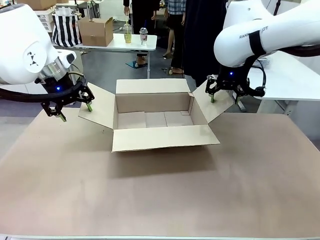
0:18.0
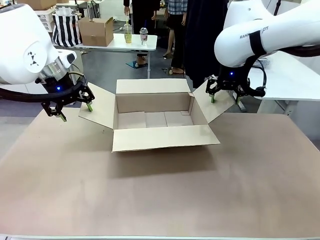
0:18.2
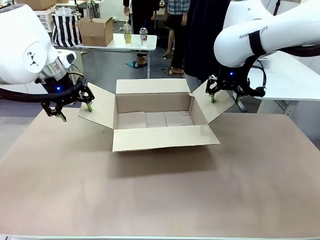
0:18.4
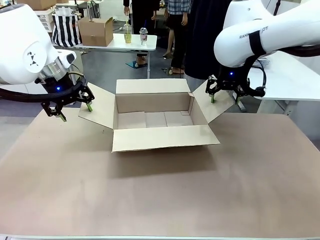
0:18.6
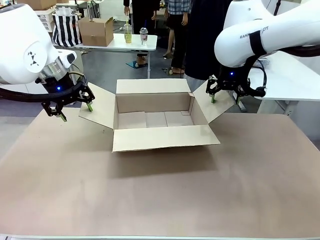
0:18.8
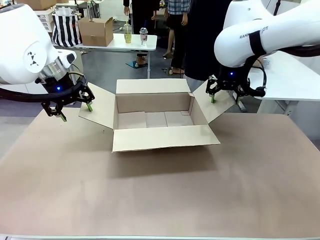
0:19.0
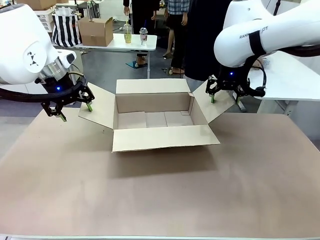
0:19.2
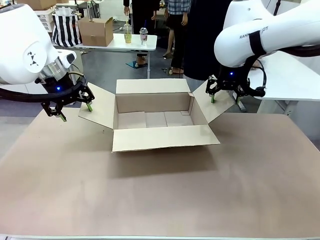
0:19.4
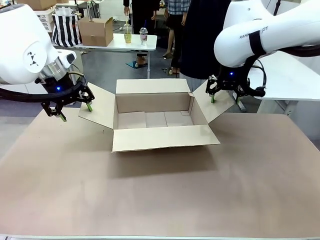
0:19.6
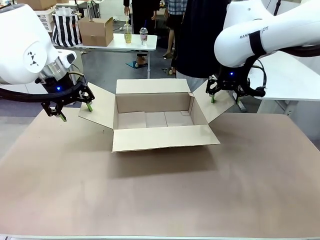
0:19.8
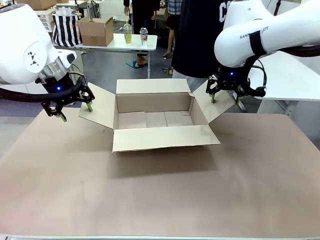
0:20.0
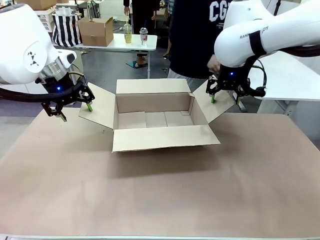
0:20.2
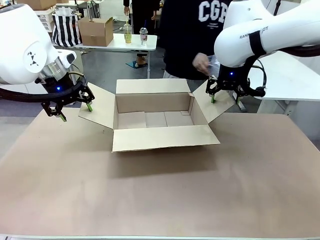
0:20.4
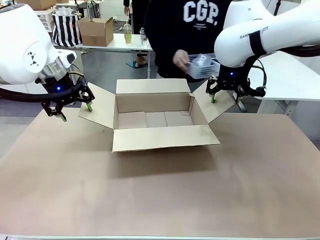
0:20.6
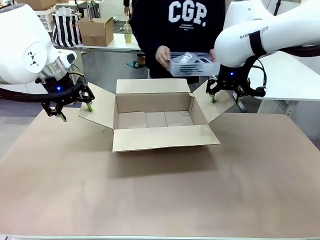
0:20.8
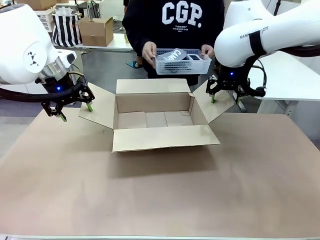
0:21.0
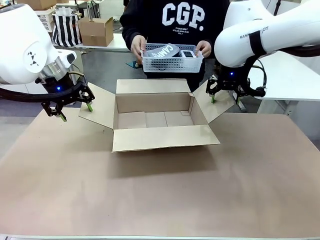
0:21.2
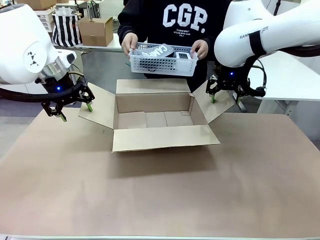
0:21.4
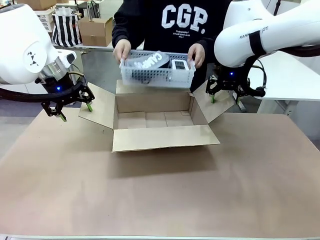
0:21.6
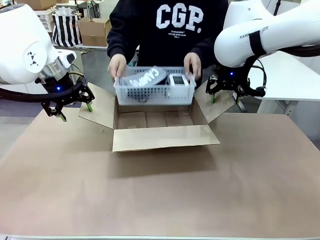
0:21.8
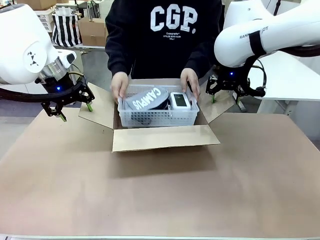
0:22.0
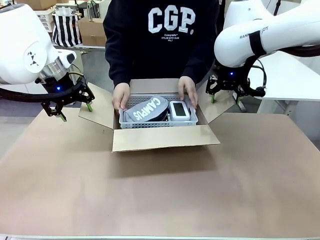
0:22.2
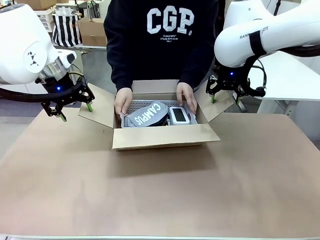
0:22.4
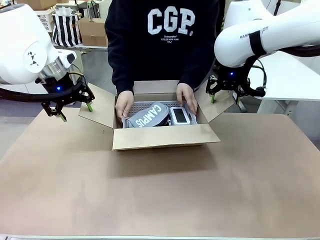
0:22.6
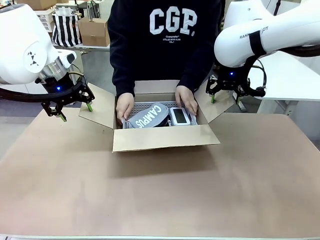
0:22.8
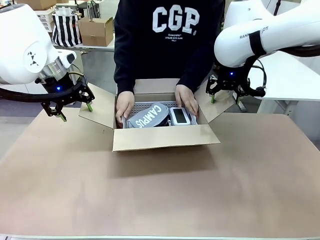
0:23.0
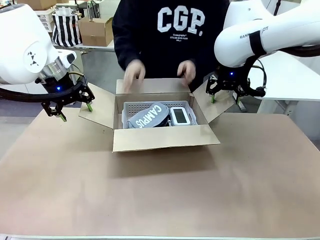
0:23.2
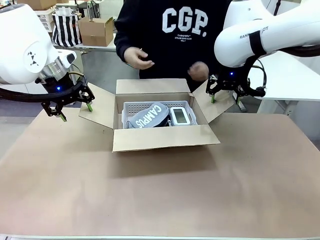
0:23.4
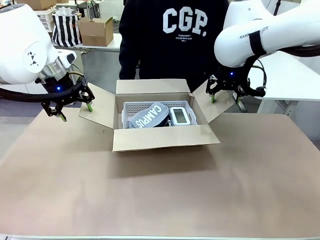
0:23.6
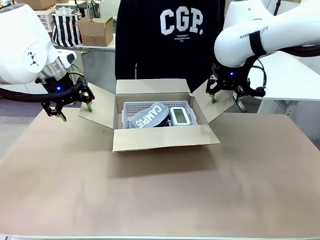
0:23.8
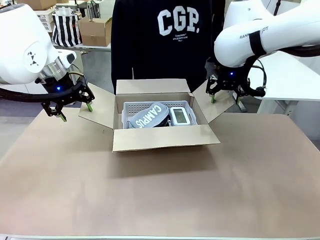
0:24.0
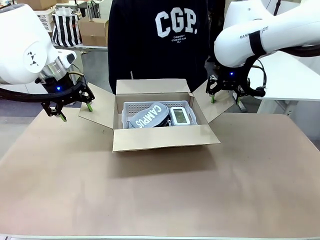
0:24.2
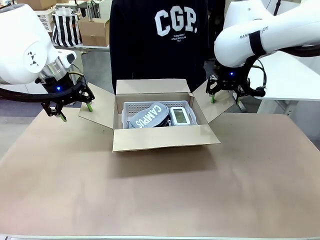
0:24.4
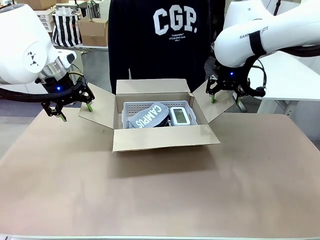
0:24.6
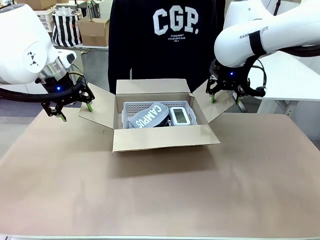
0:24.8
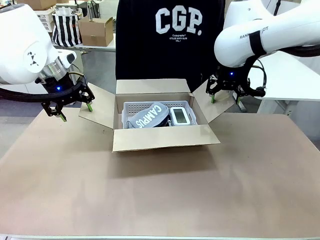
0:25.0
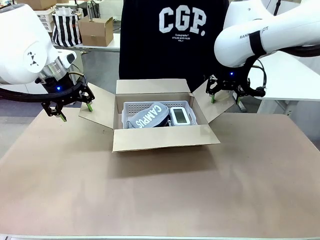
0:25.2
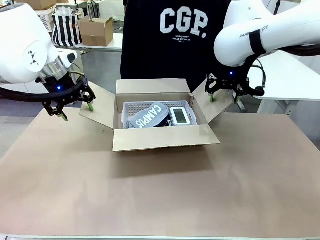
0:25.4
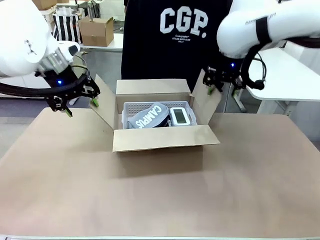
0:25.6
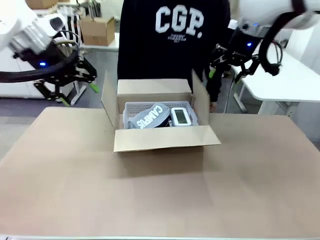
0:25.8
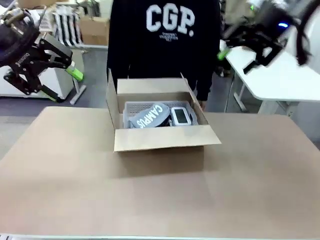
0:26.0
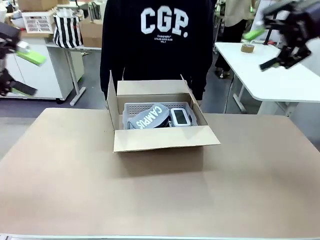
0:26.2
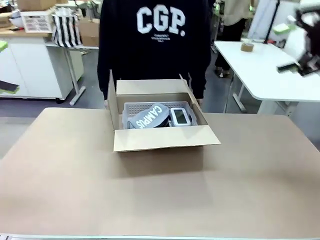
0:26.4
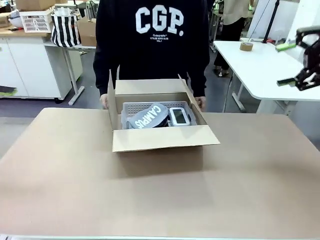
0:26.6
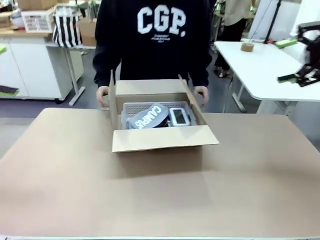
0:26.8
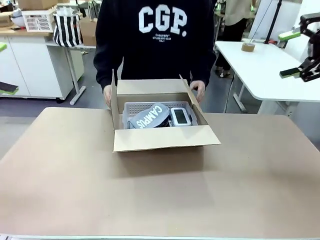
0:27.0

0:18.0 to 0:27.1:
Task: Pack the gift set into the box.
Robot: Lift both hands away from the flaps of the Package Box.
Person: The human picks up the organizing basket and places the organizing basket into the package box on the robot table.

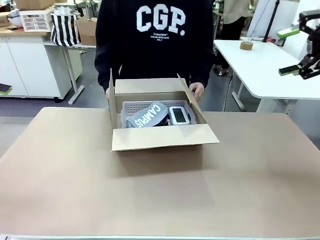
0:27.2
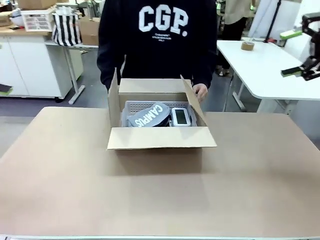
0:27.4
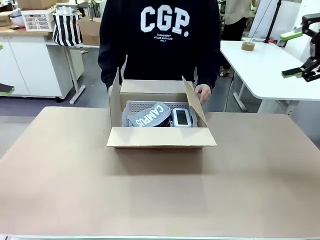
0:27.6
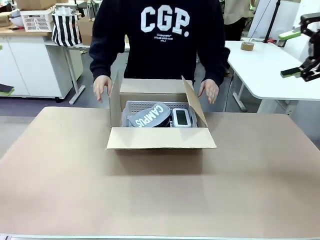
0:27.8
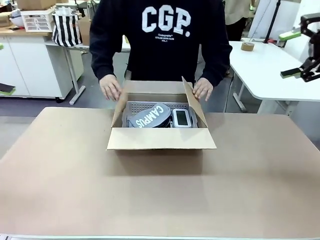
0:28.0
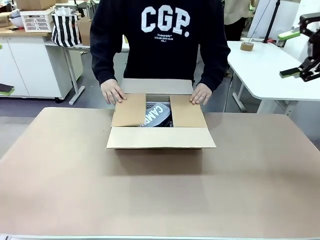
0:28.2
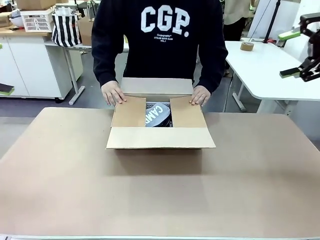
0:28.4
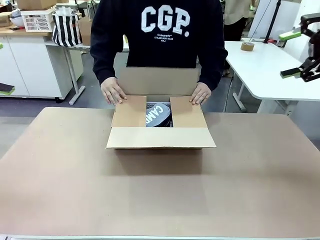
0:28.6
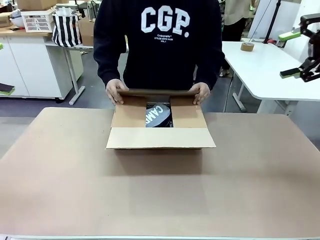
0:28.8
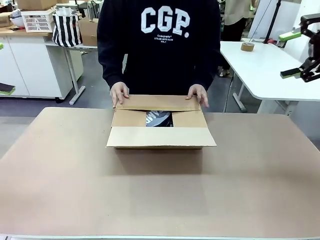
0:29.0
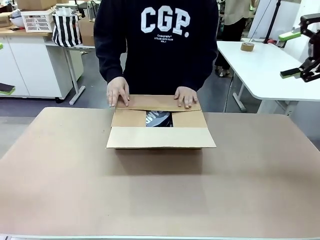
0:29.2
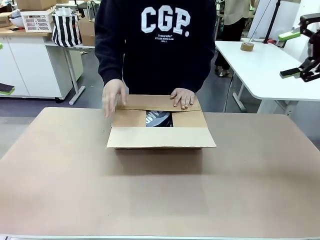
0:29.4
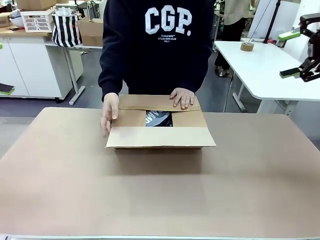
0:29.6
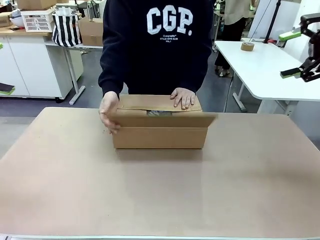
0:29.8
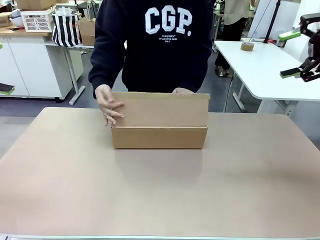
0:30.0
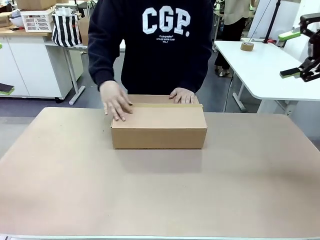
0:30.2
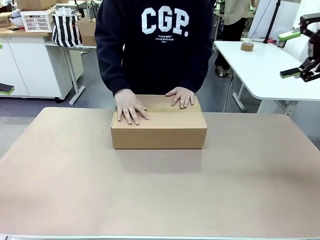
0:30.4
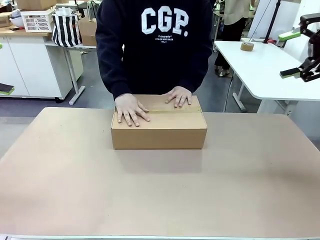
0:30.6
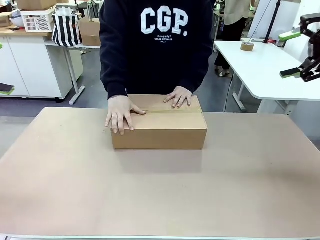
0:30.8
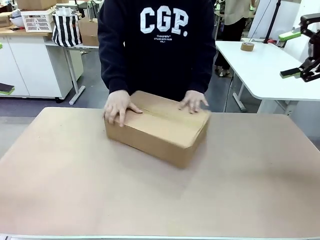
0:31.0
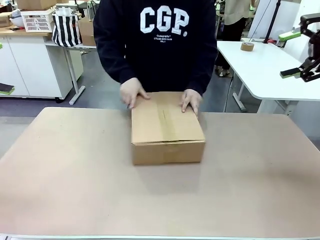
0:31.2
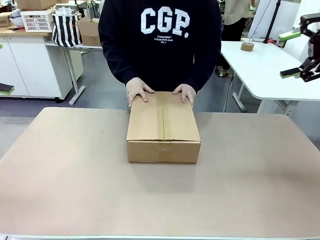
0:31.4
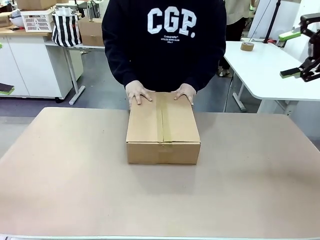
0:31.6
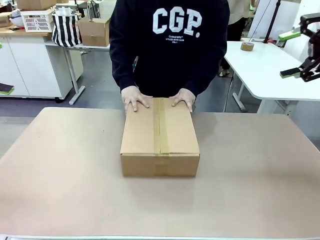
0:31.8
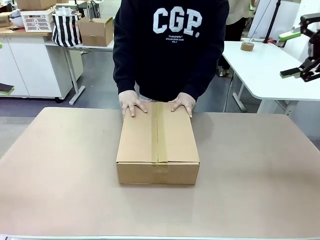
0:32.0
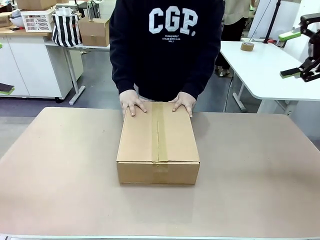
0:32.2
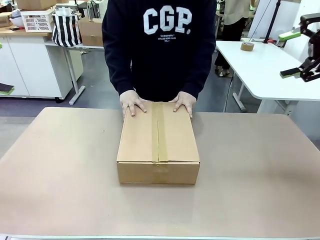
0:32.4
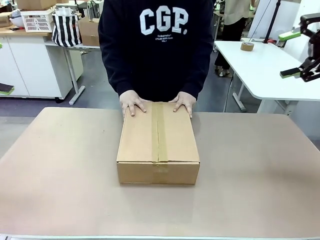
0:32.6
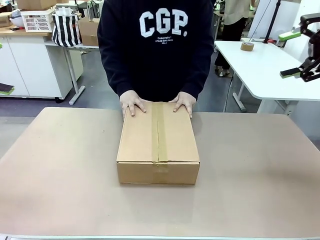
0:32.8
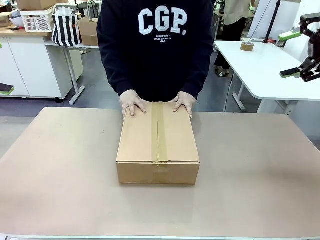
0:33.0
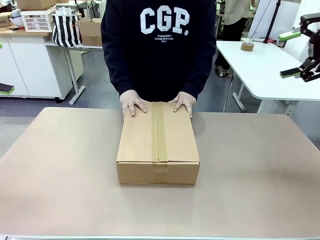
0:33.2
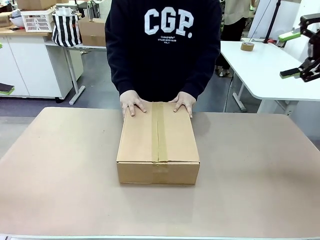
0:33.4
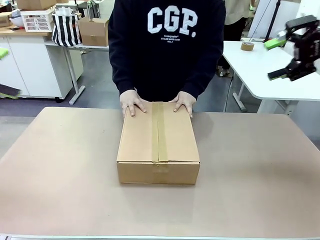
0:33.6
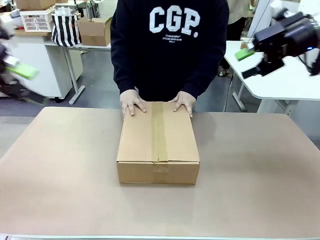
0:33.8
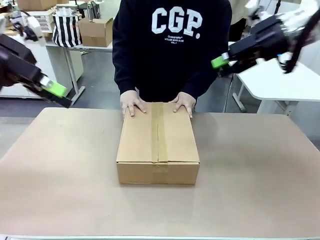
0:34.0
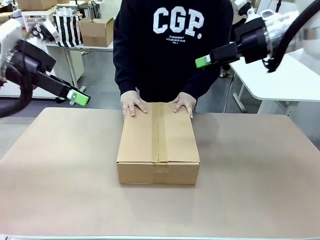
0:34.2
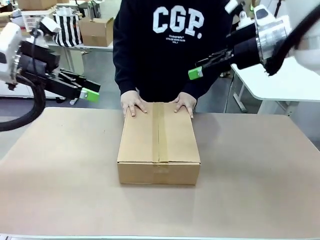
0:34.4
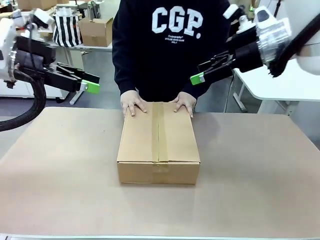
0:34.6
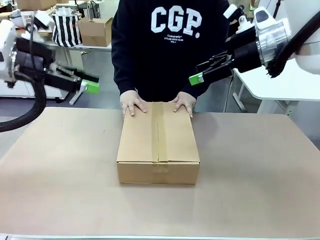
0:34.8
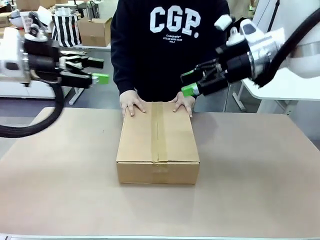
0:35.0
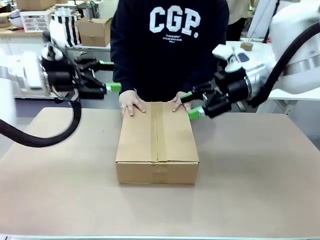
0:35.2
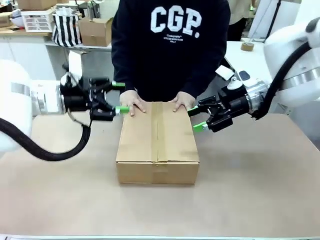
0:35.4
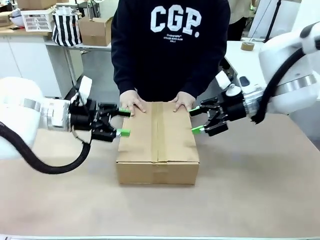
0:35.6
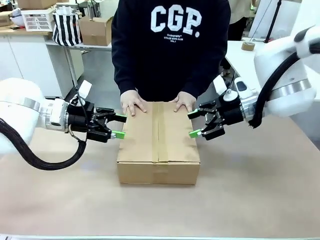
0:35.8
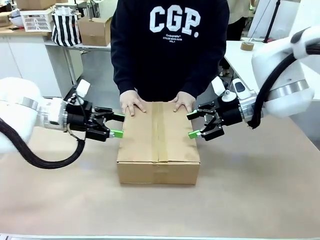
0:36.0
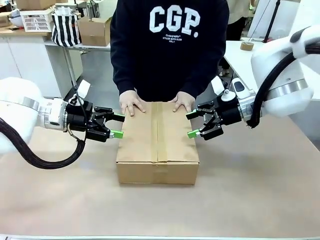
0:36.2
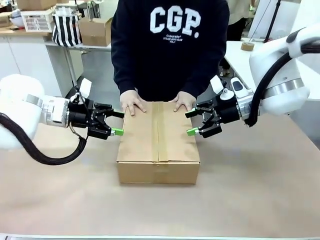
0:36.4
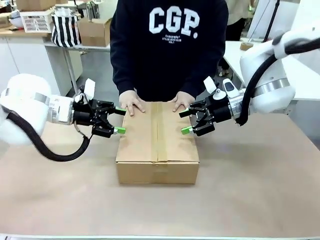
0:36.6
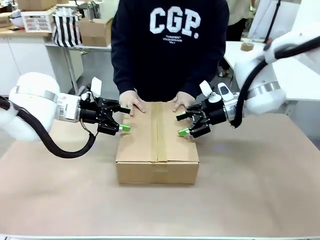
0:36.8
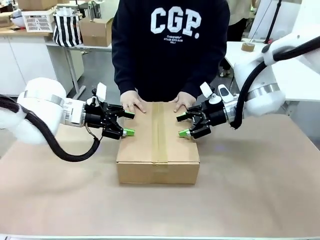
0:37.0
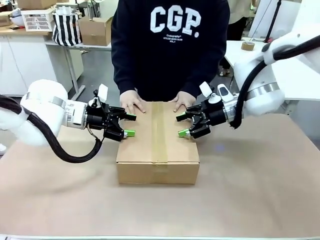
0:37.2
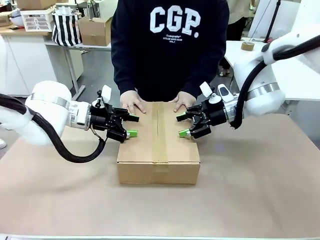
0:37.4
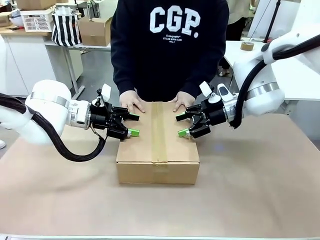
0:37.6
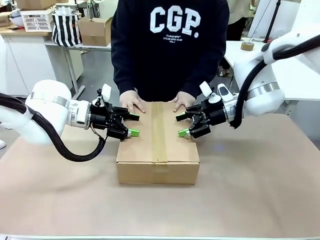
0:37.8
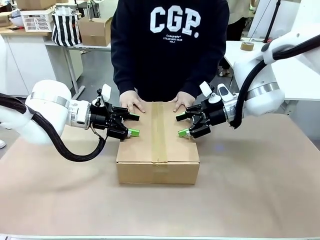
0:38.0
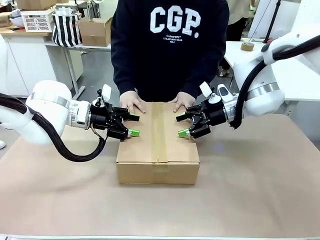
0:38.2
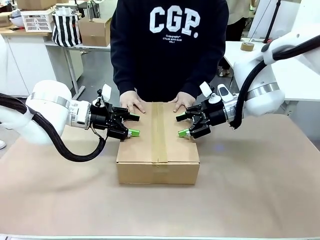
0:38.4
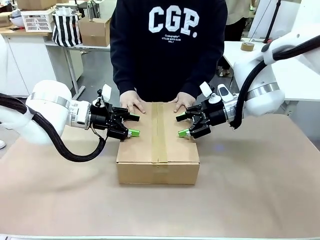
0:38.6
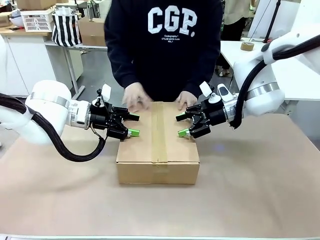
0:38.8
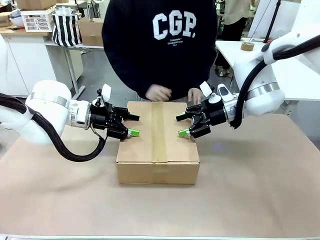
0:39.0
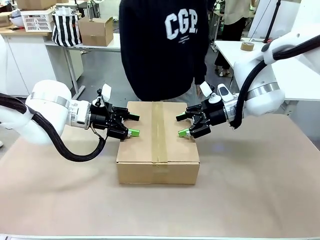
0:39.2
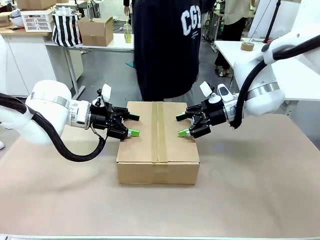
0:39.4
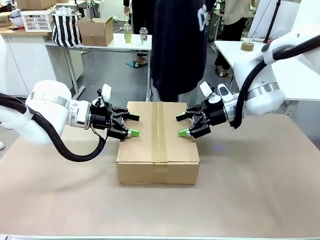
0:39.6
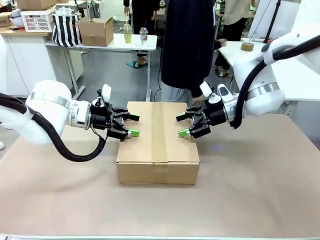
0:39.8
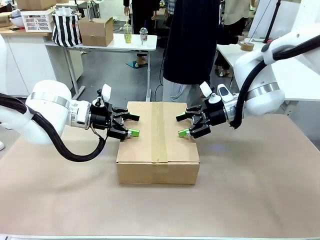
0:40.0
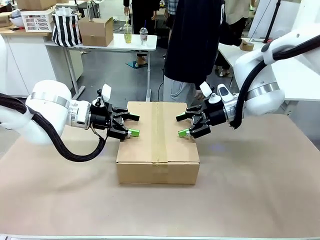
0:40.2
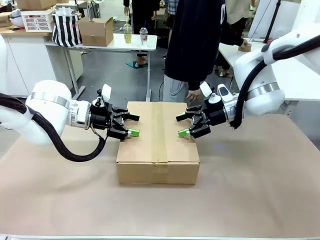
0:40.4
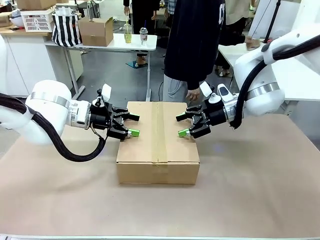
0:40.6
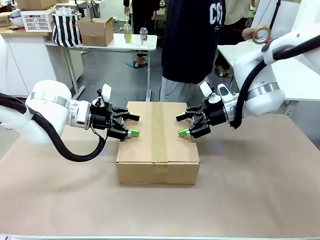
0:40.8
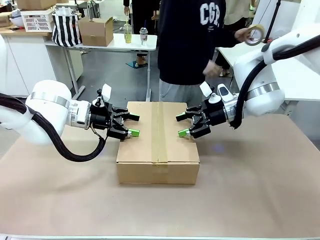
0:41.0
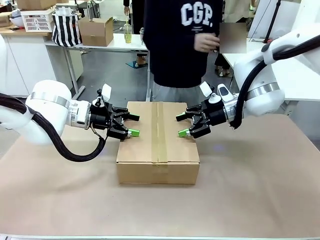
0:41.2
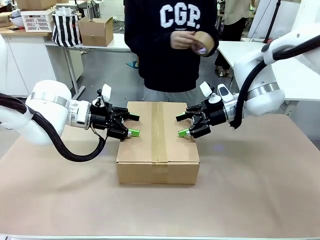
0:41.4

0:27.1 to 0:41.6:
Robot: Press and hold the closed box until the human finishes sealing it.
Person: The human closes the box and rotates the box by 90 degrees.
